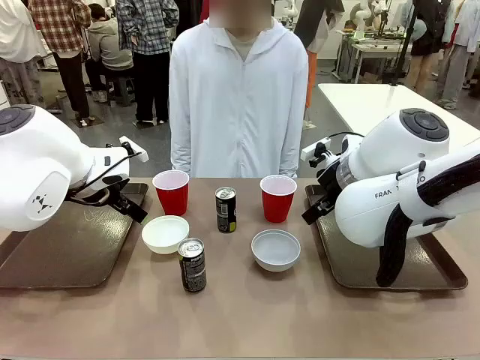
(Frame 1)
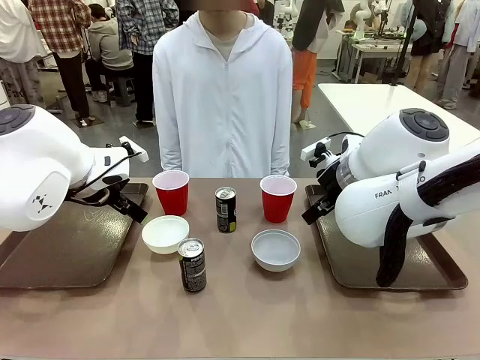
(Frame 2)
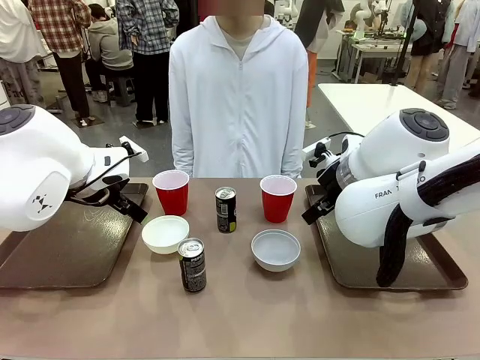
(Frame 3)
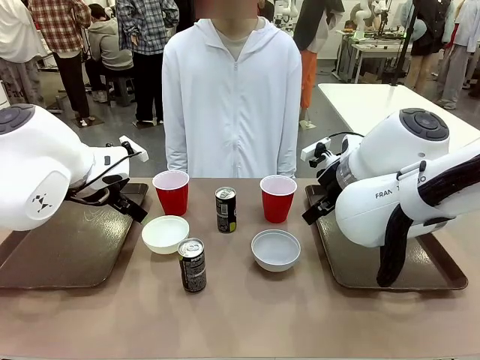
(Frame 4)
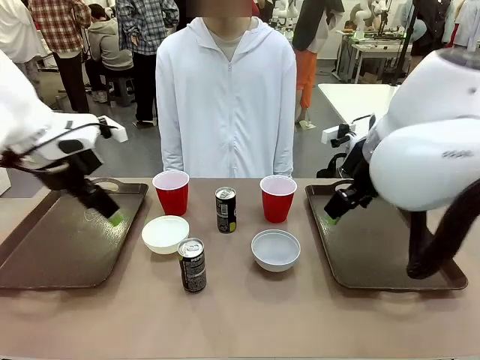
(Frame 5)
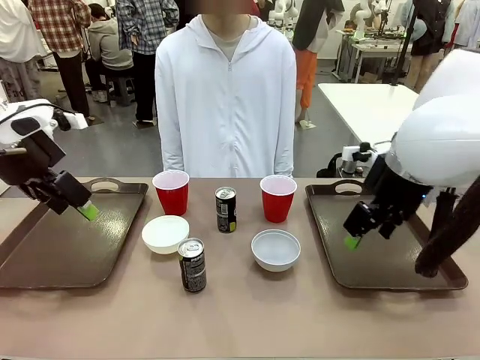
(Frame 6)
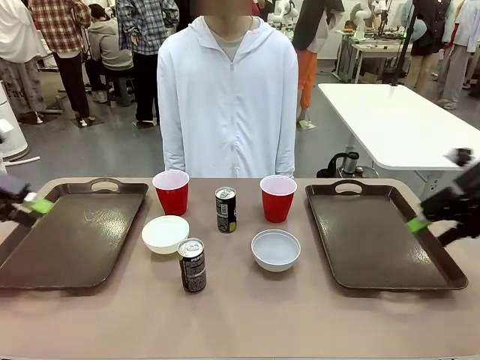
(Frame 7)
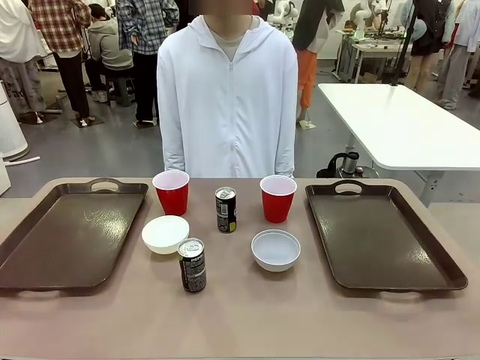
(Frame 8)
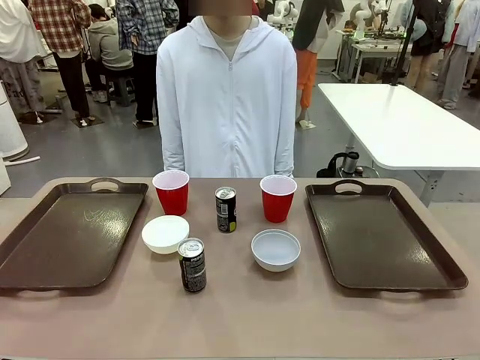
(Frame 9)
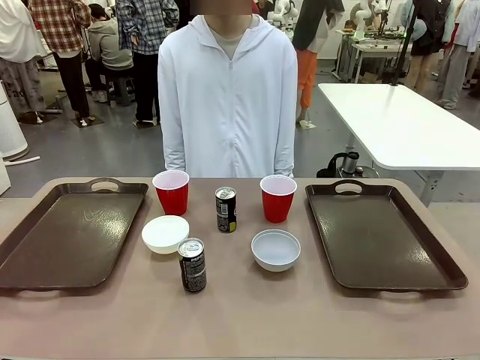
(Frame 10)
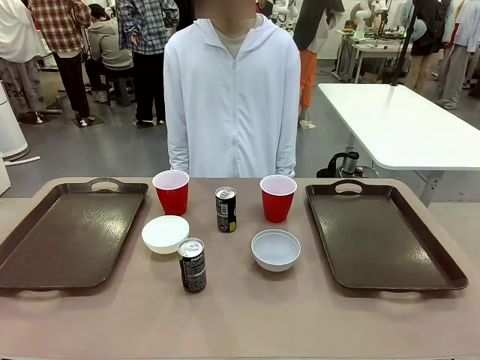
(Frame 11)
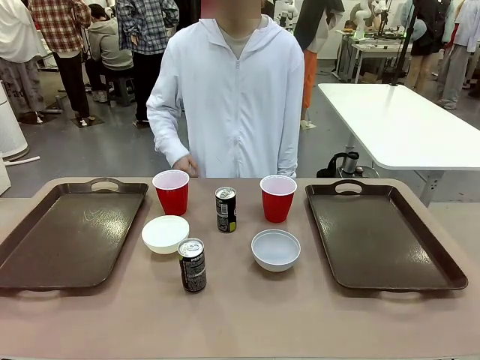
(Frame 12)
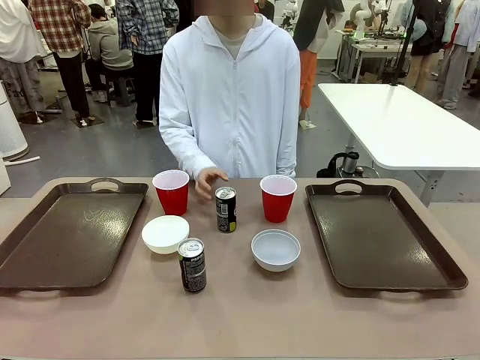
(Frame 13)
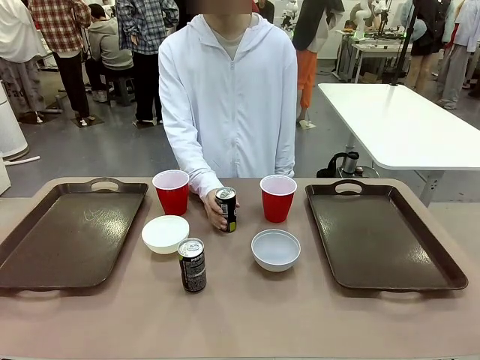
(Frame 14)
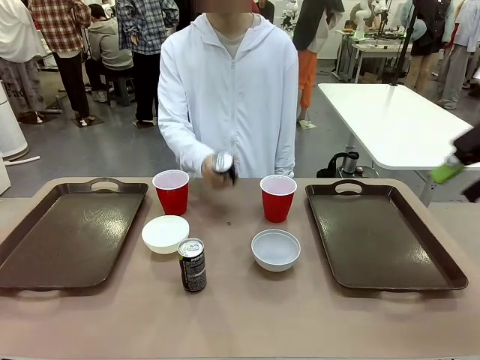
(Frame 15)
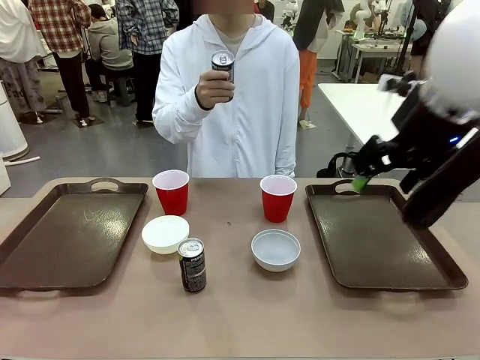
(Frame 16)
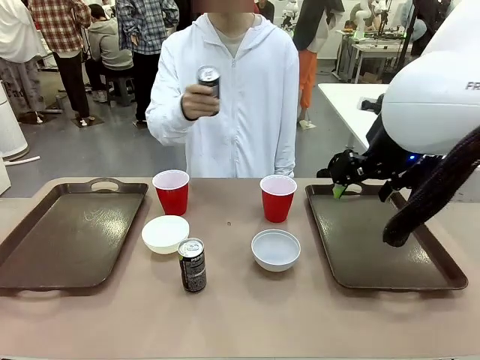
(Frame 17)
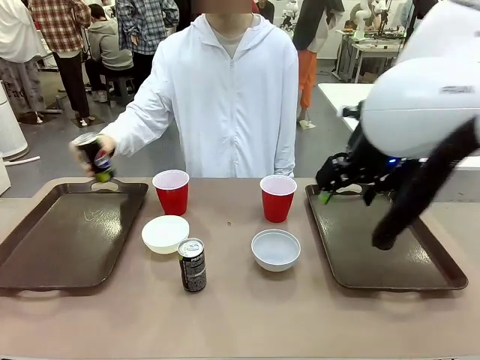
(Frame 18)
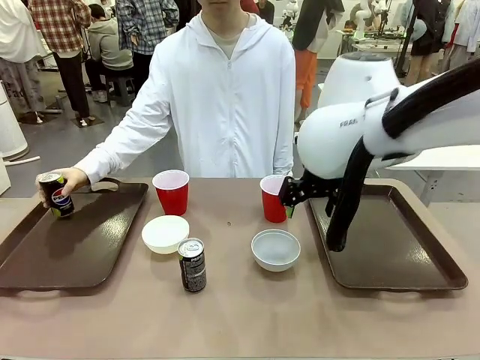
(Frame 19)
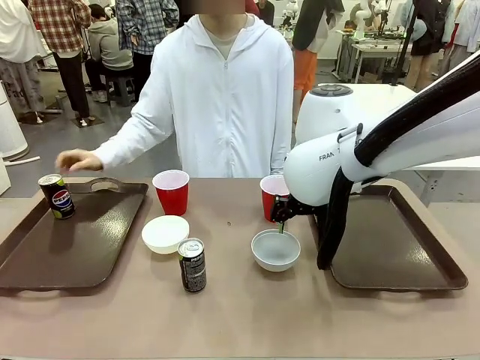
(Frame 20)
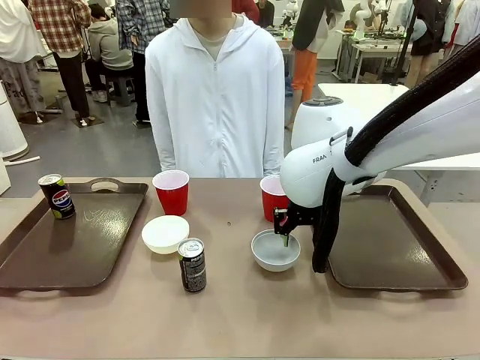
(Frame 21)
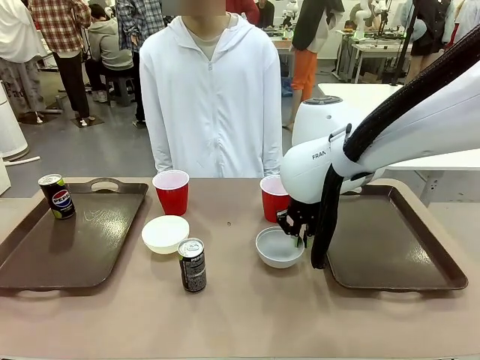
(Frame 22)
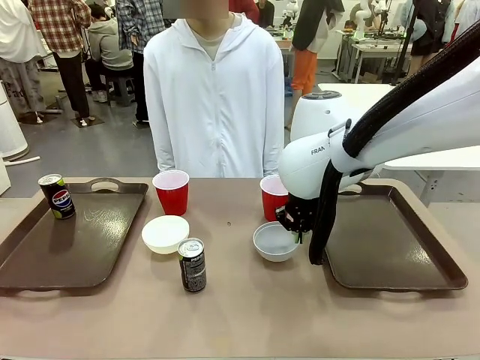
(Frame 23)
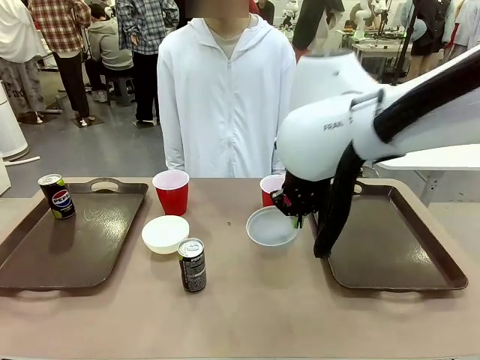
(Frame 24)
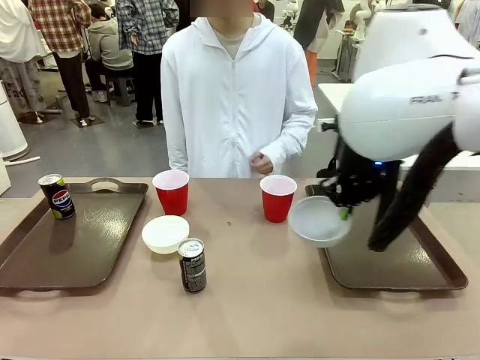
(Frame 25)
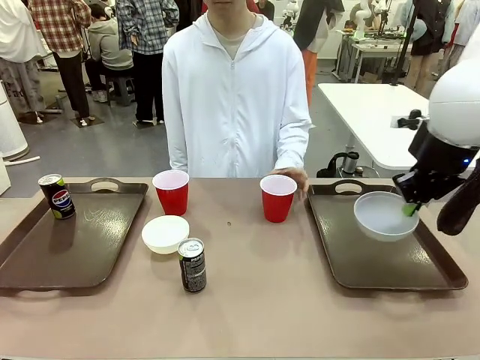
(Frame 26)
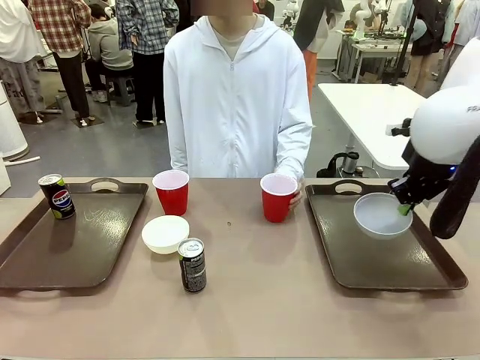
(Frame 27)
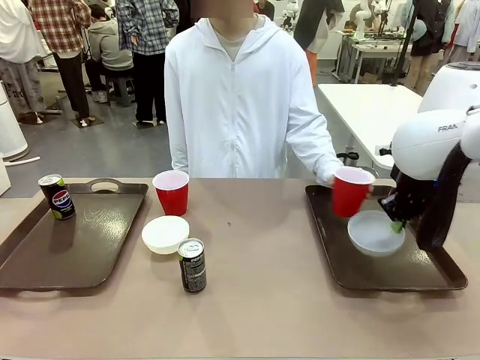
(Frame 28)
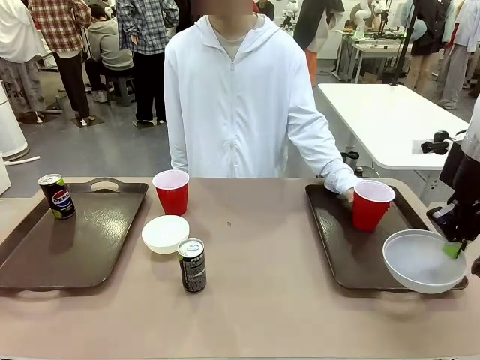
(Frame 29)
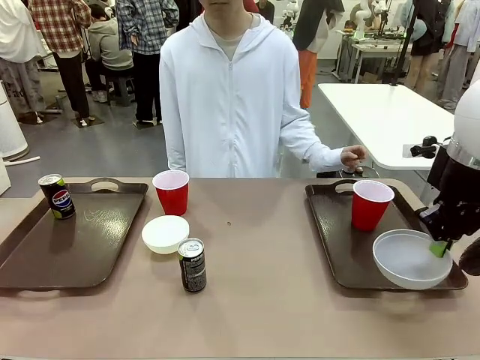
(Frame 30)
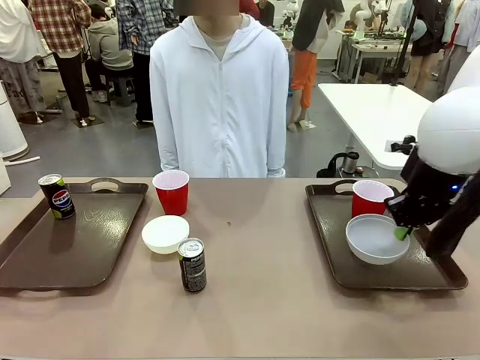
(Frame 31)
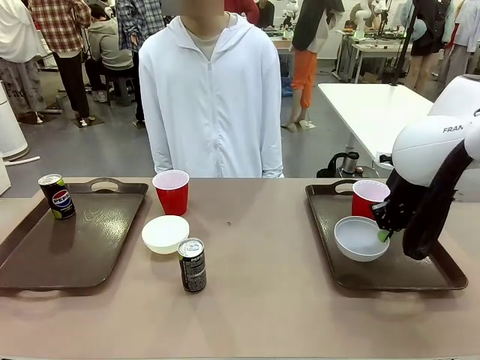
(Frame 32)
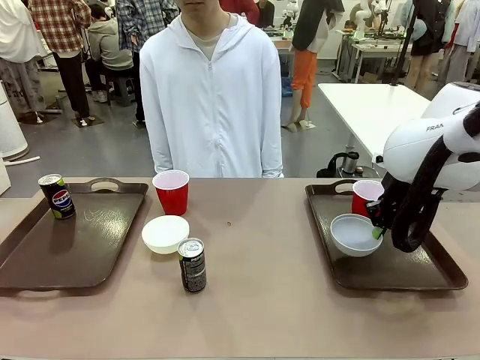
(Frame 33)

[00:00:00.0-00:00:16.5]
Task: Prepare tableware on both trays.
Robot: Pick up a Picnic Bowl from the table and place it on a Handle tray.
Person: Pick up a can or cup and place it on the tray.
